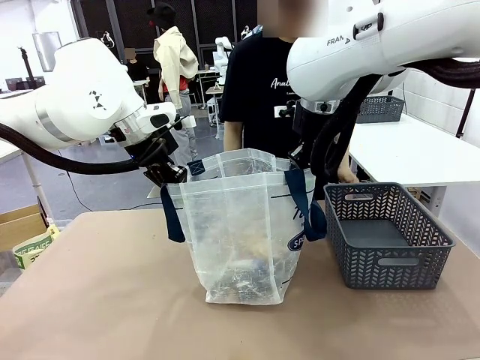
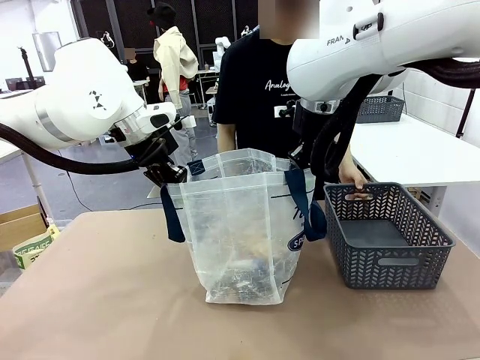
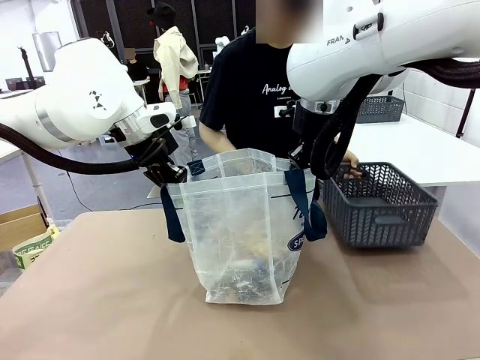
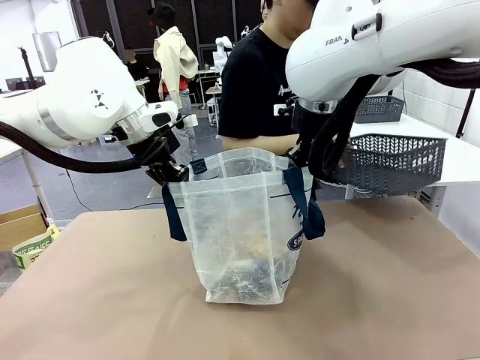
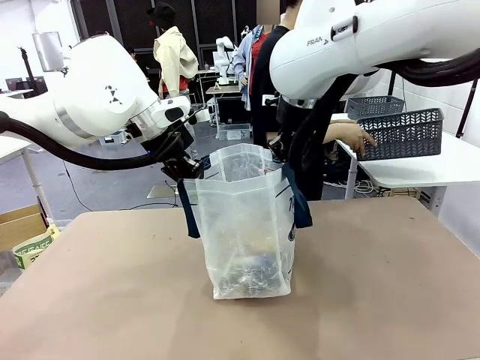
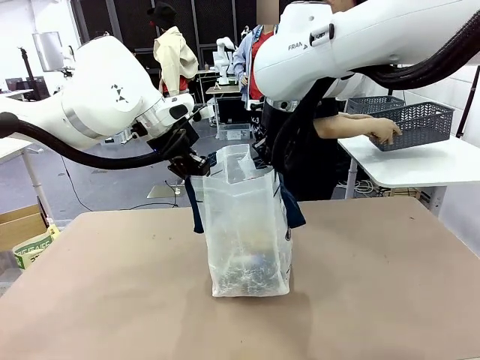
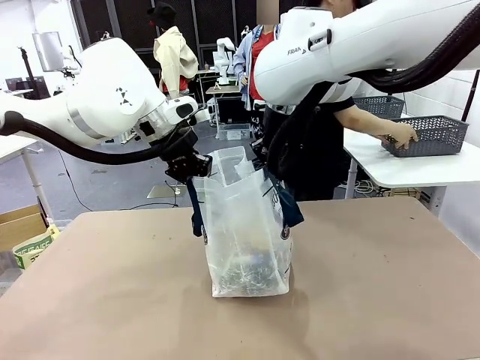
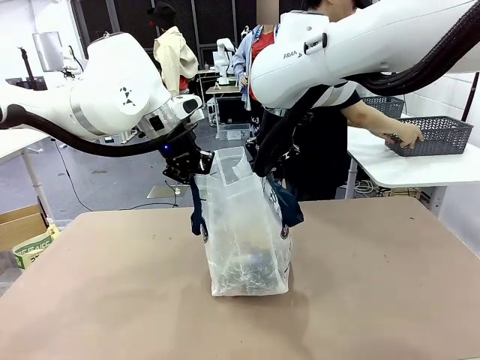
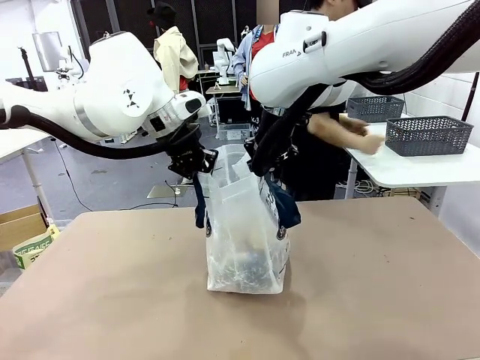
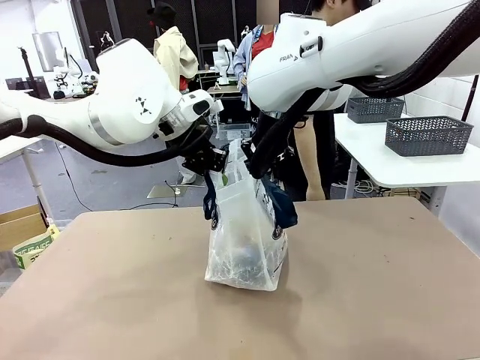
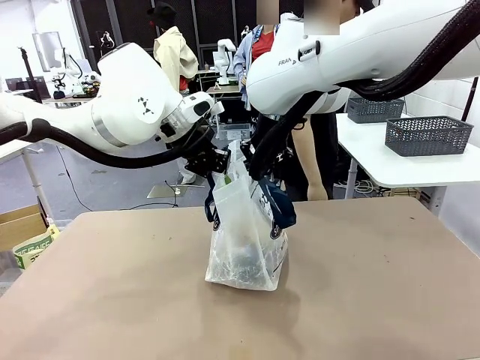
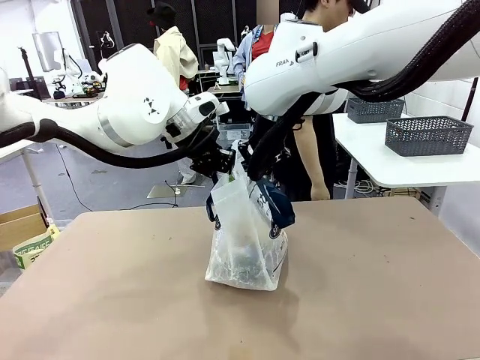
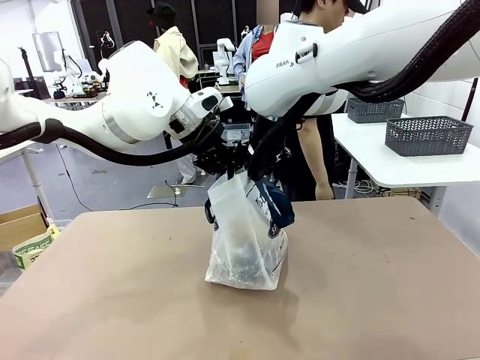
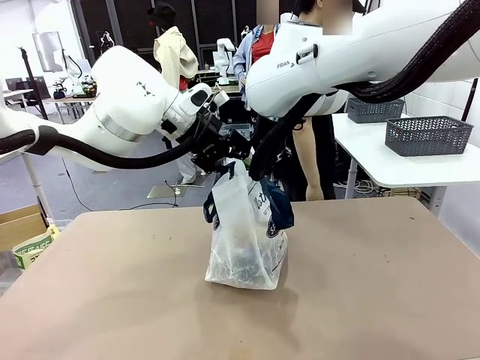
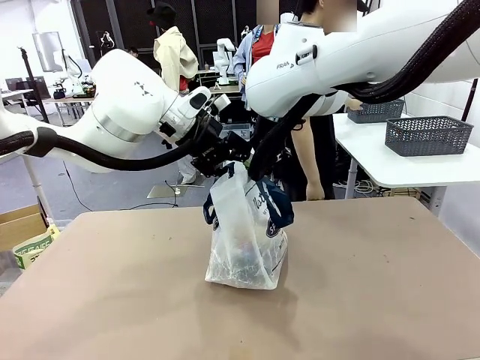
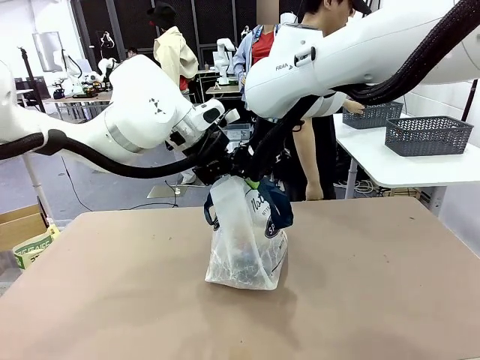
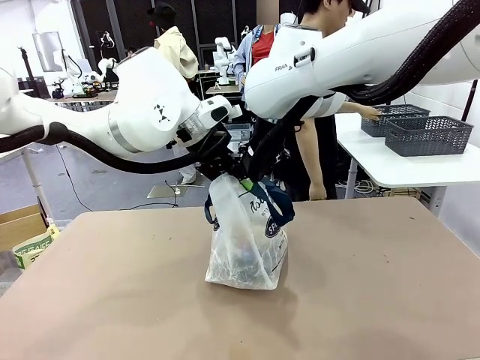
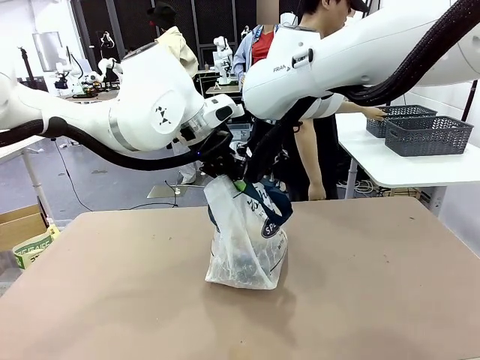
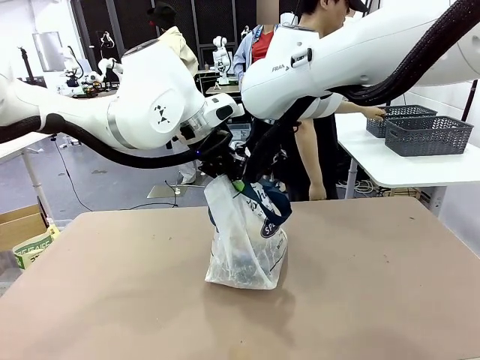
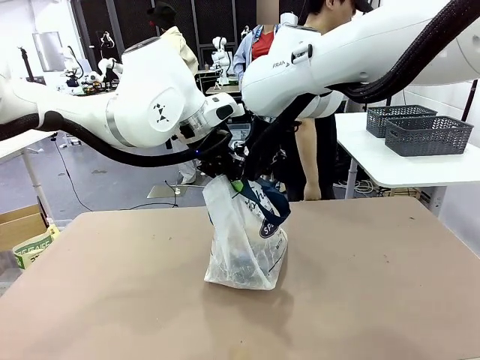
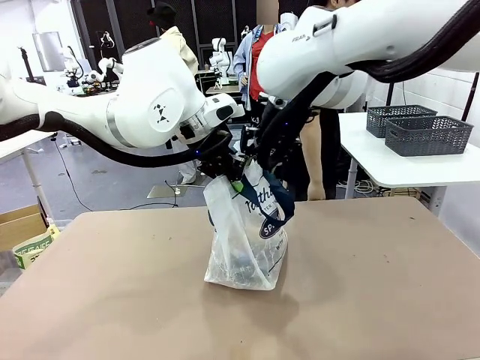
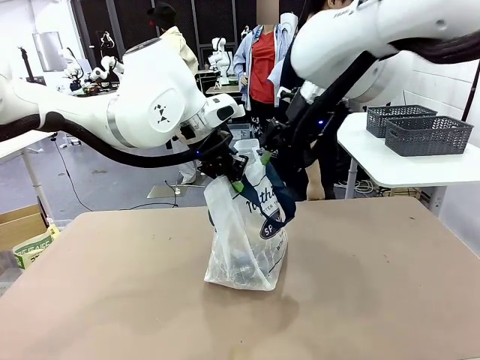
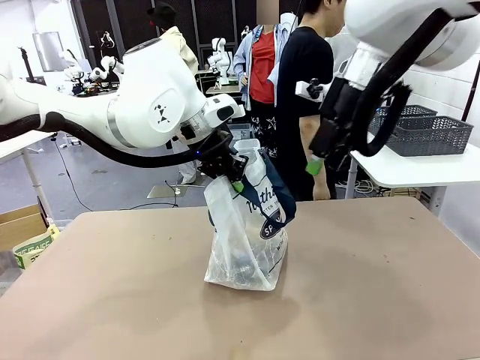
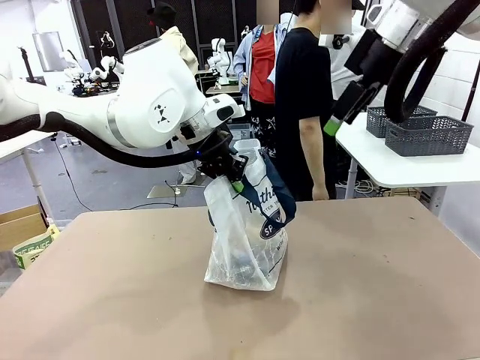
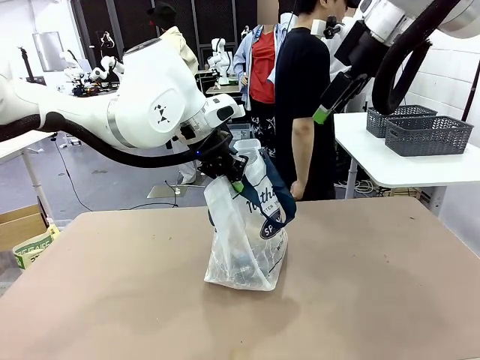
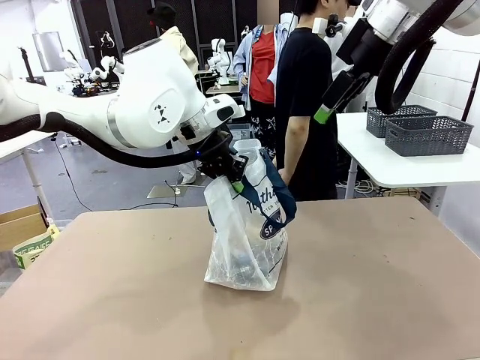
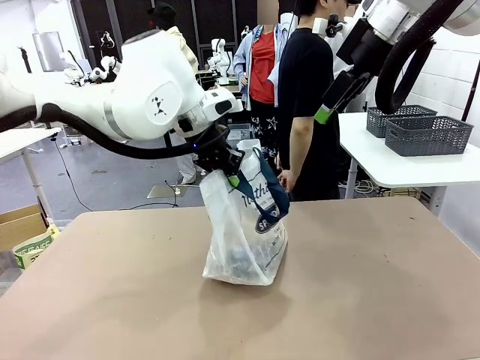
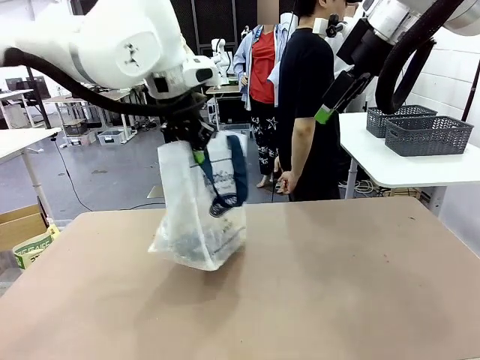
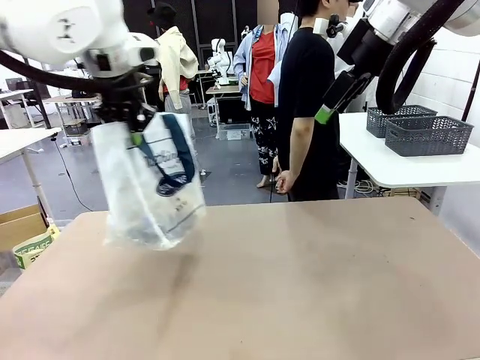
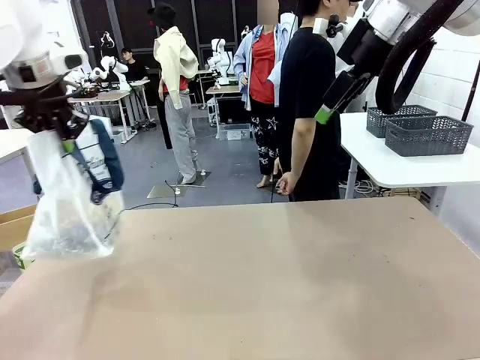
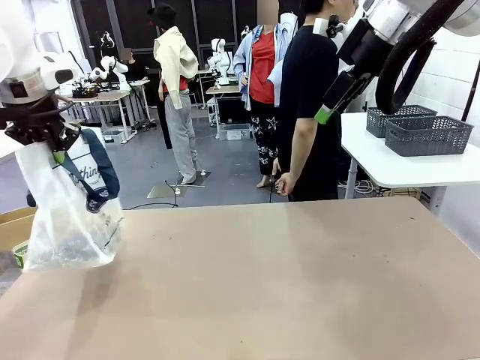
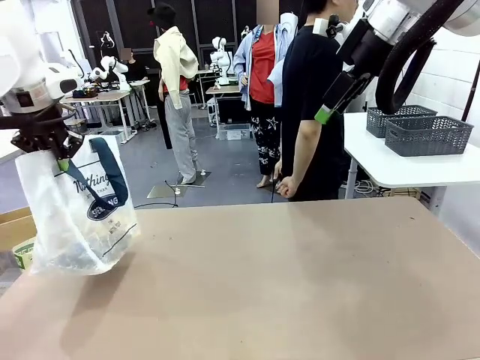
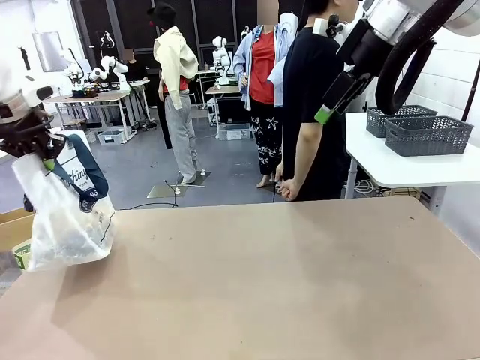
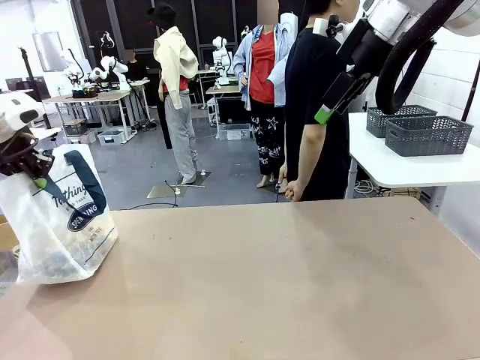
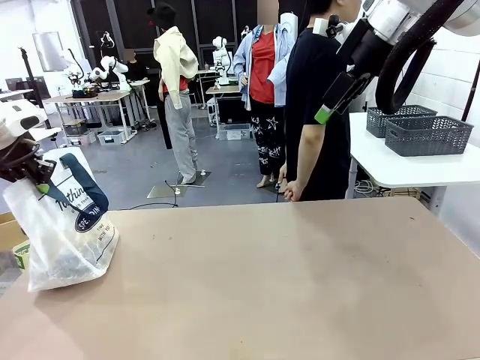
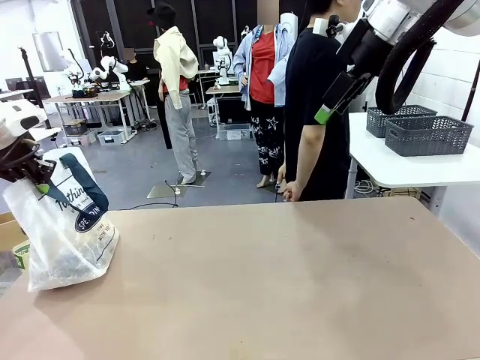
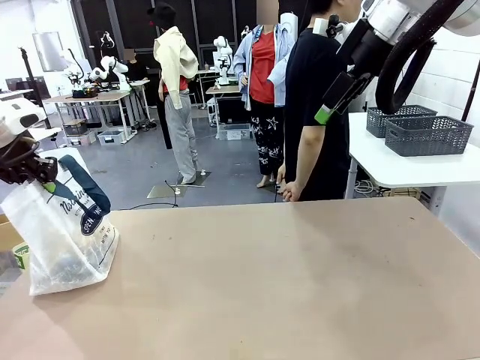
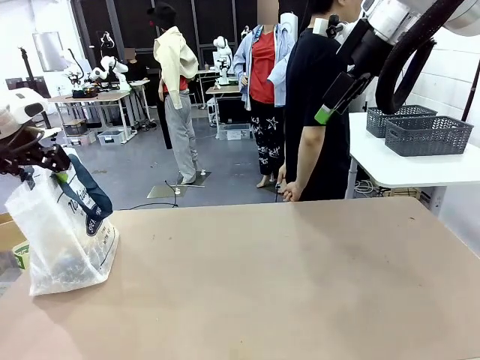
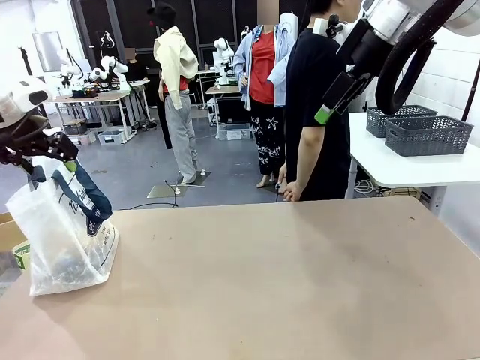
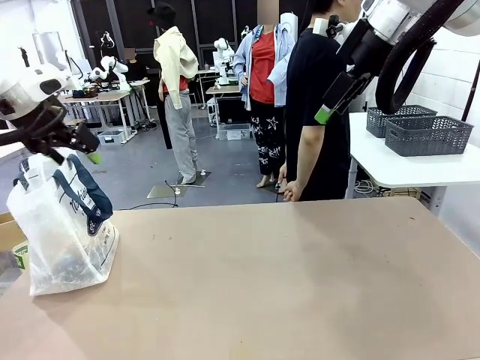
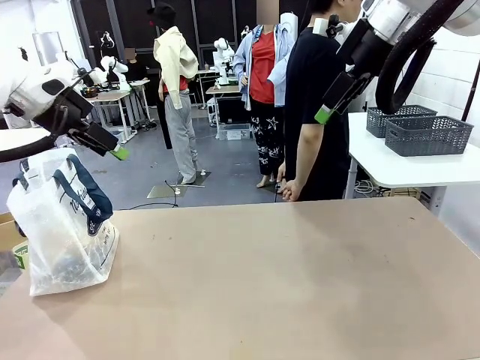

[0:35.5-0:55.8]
Task: Transfer purchased items from the store into the shopping bag.
Robot: Move the Reusable shopping bag to the right side of the table.
Person: Pick up the basket with the items out and place it on the right side of the human table. Move the basket on the left to the middle of the person's table.
